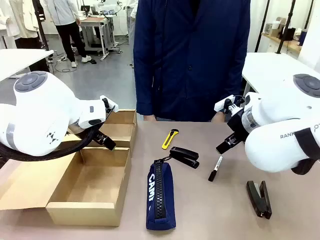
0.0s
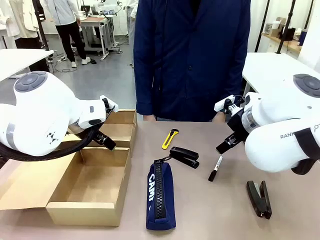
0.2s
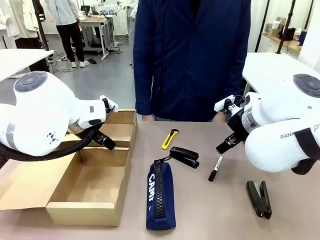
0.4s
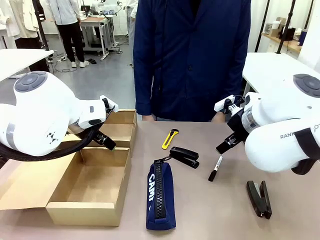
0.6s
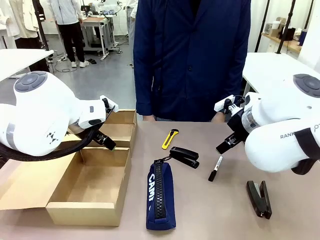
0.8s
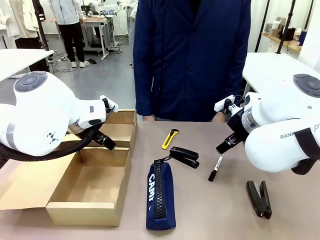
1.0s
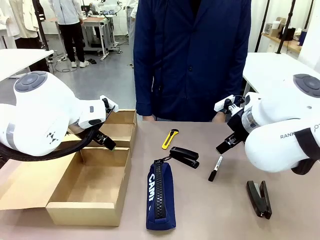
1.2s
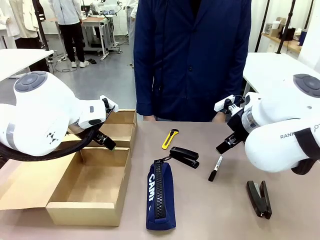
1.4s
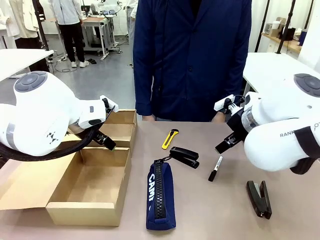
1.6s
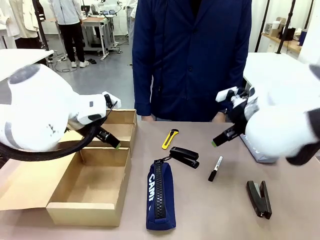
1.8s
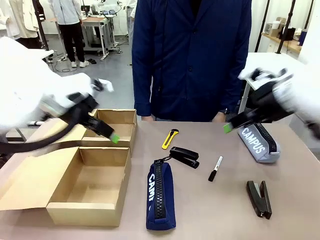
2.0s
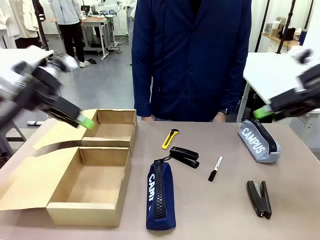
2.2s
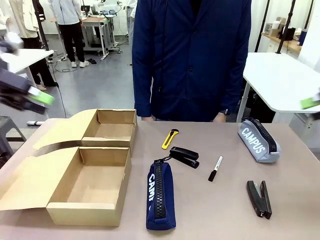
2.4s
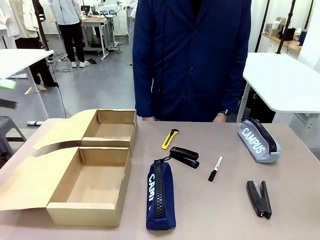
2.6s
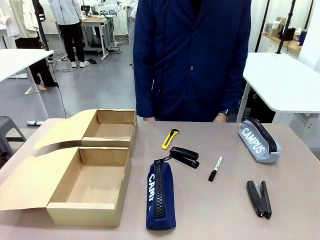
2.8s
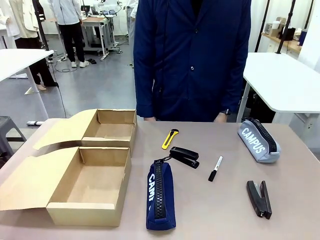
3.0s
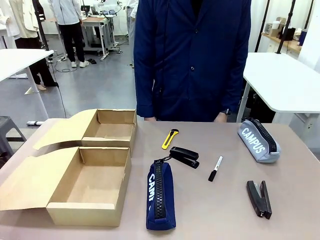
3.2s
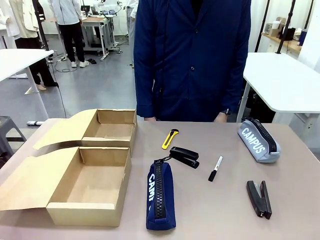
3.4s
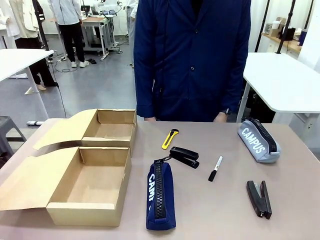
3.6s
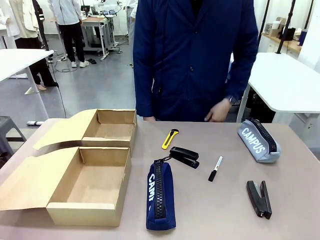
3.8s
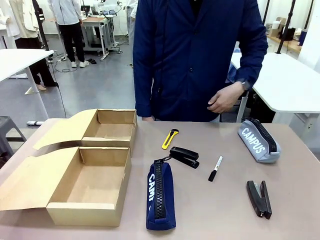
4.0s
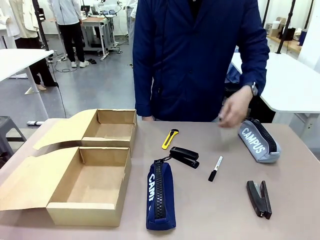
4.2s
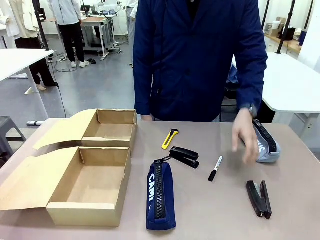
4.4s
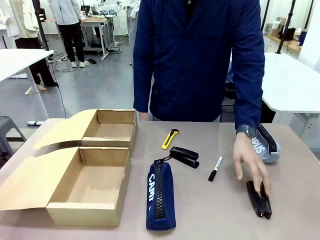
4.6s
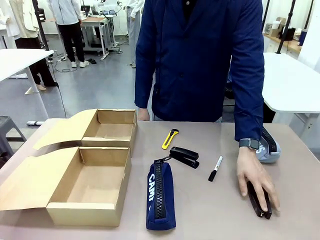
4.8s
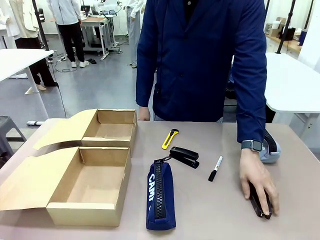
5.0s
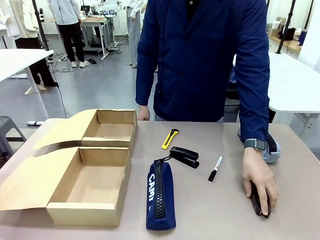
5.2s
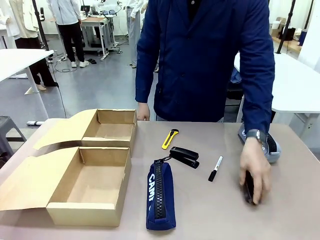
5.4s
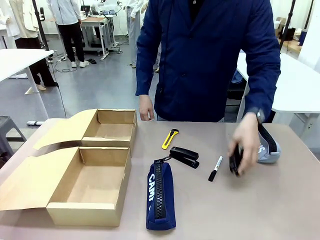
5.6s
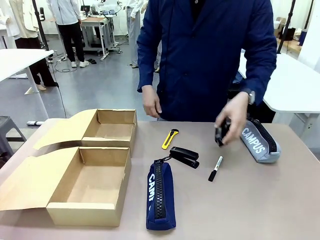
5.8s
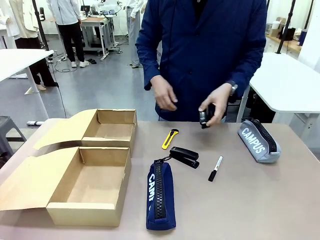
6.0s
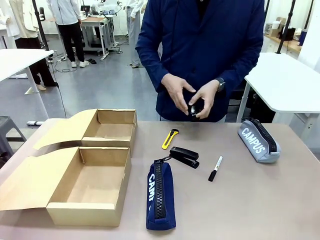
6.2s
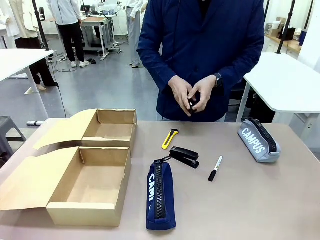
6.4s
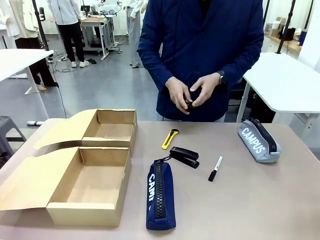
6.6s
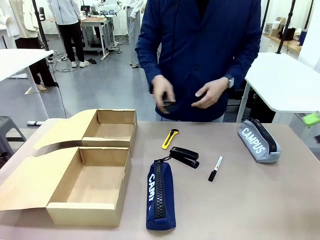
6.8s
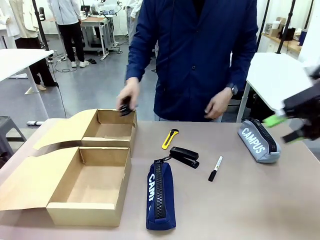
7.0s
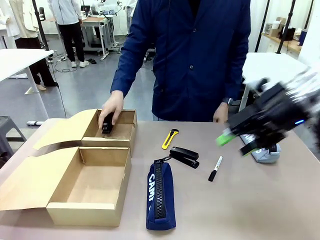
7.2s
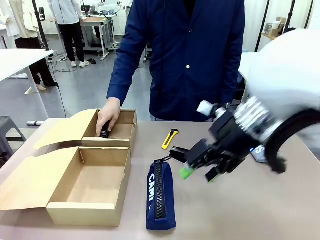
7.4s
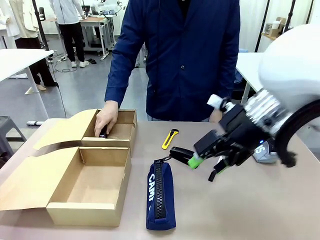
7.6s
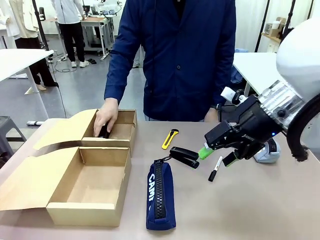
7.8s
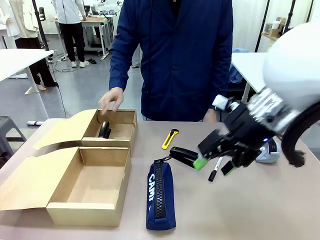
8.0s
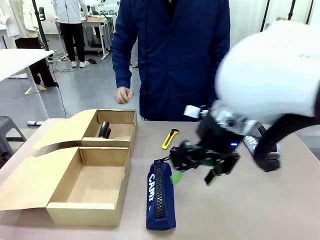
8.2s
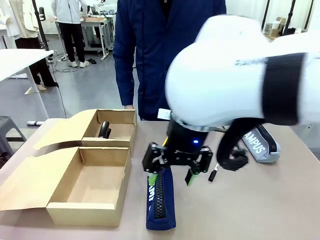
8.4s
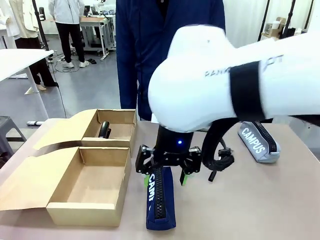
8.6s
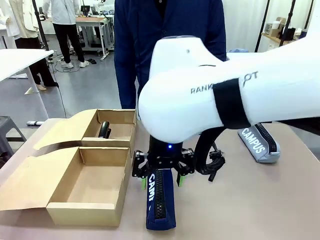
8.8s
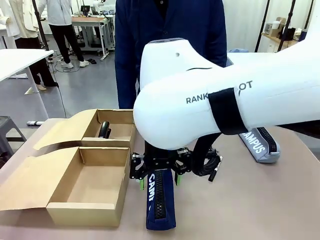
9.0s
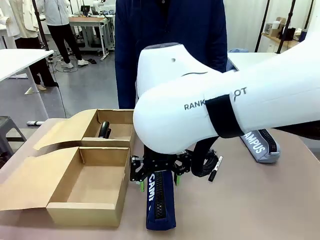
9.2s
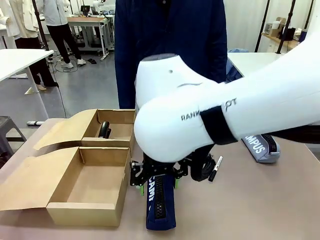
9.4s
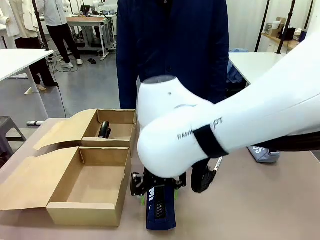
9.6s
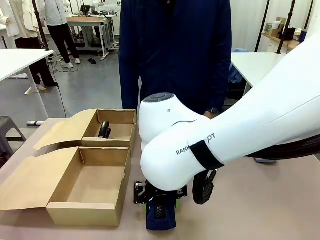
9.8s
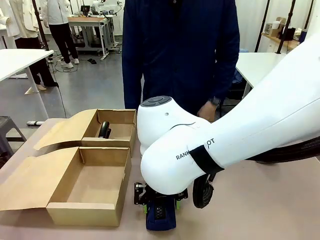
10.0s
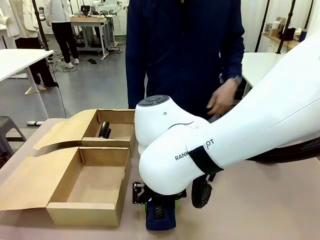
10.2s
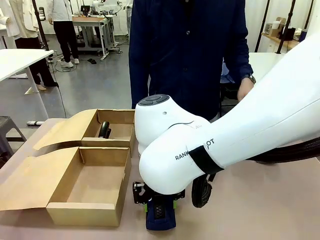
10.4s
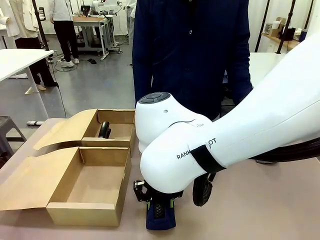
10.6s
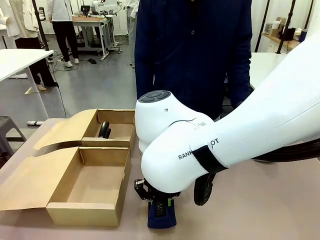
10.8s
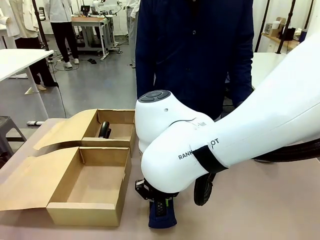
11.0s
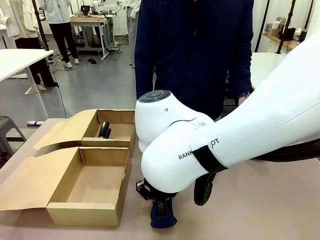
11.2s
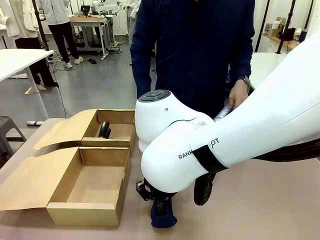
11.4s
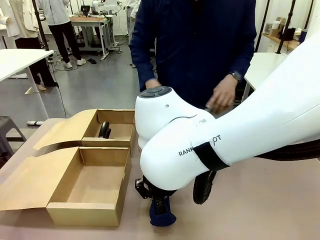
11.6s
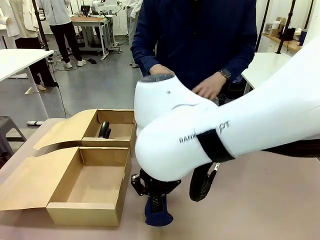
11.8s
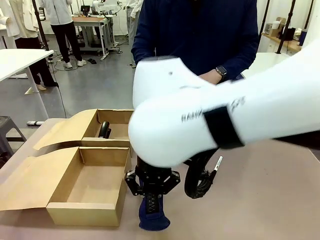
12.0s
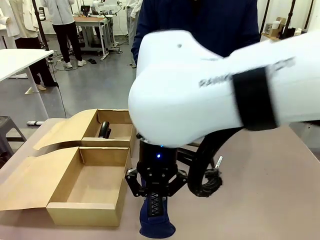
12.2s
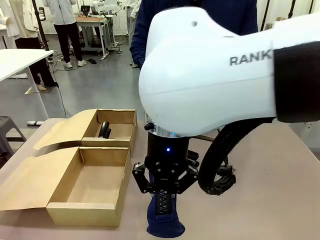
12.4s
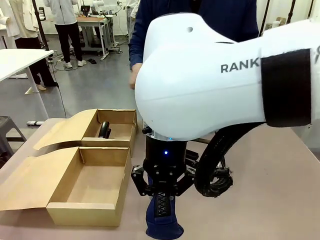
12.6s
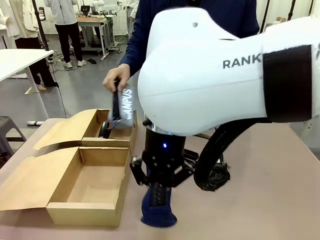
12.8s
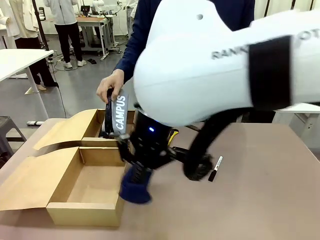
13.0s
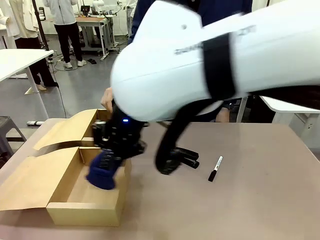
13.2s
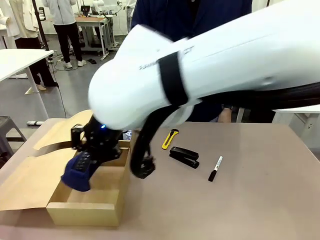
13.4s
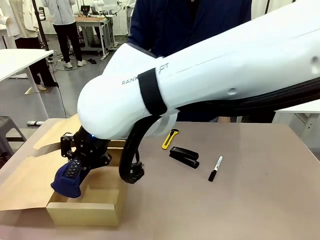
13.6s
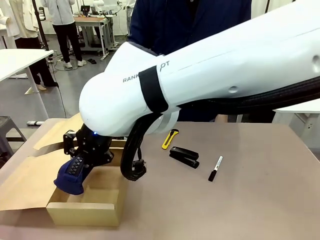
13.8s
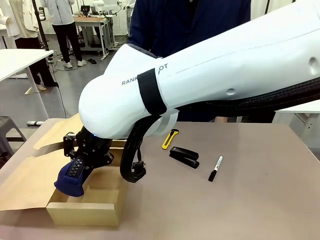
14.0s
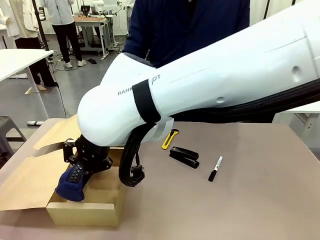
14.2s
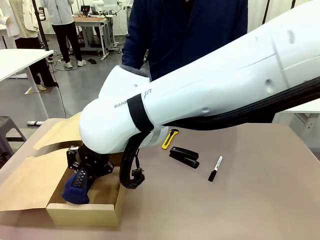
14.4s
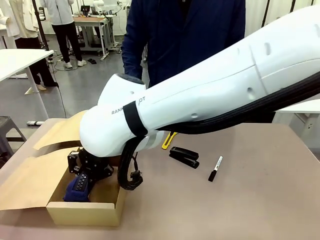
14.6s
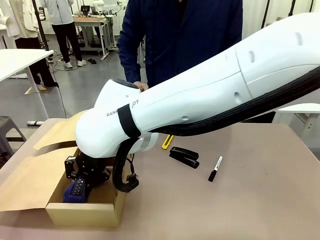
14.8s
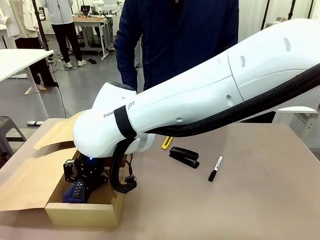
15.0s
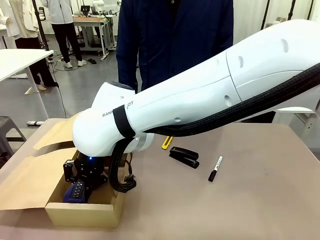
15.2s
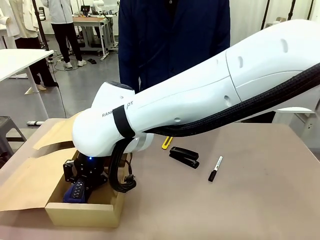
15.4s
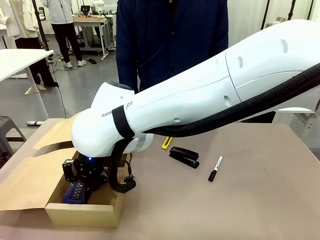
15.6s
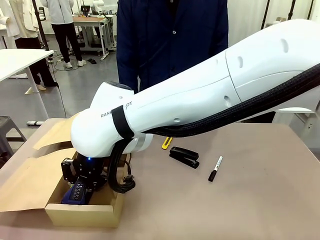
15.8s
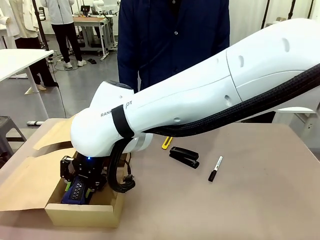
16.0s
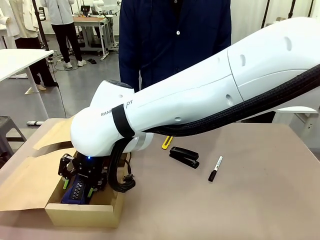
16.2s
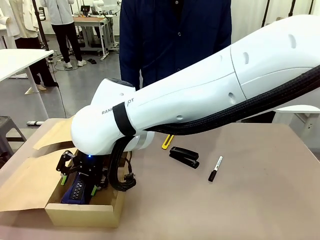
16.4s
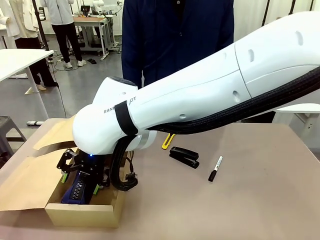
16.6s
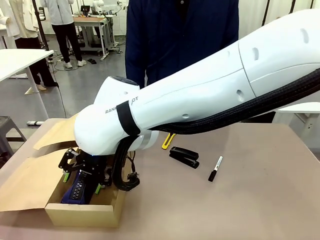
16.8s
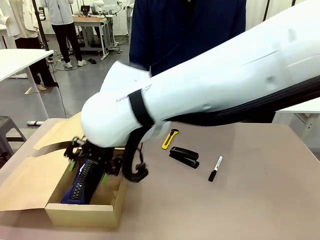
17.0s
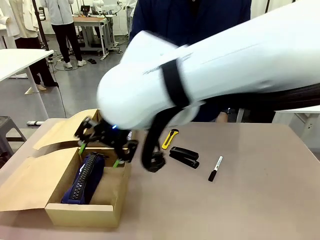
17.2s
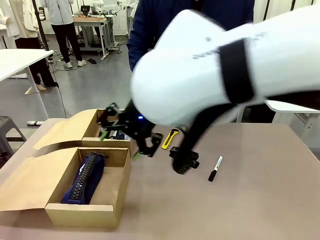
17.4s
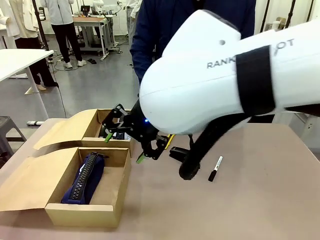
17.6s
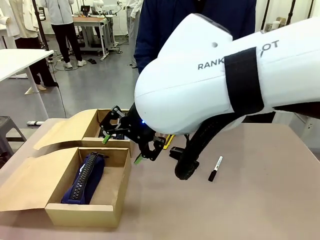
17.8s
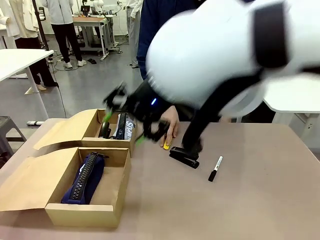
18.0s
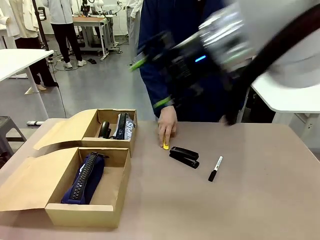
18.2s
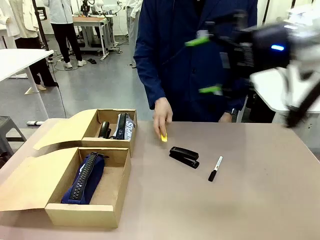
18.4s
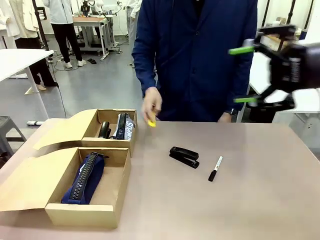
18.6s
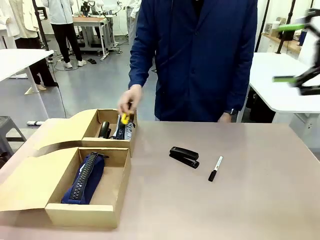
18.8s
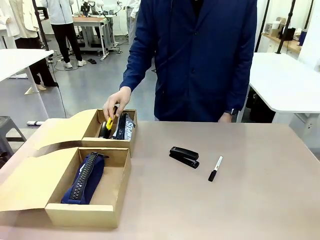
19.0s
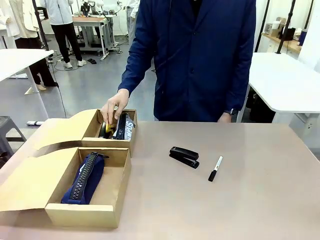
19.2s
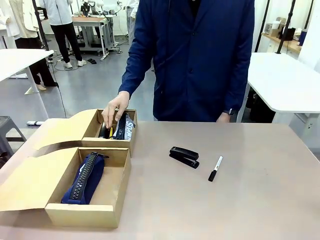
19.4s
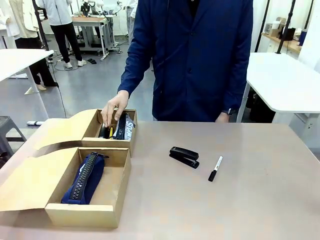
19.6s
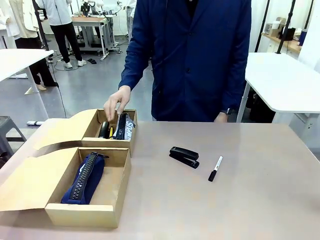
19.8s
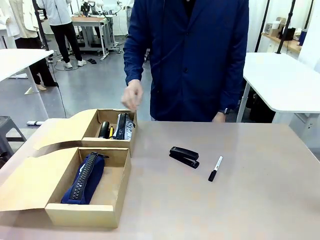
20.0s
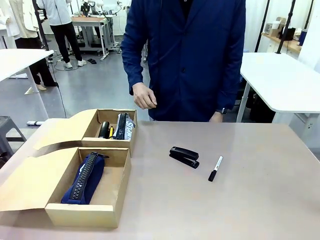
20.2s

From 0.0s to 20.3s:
Task: Place items inside the box.
Robot: Pick up a Pencil pouch or Stapler and place it inside the Mailer Box closest to the robot.
Person: Pick up an object on the table and put it in the box.
